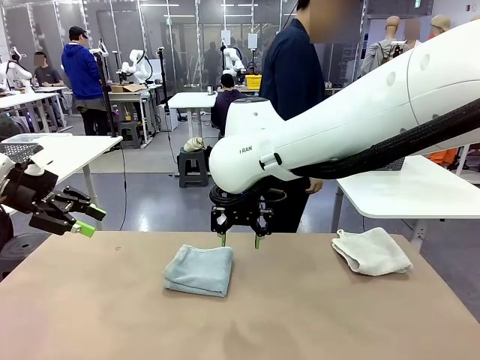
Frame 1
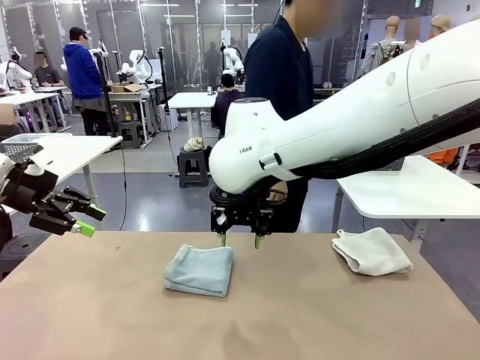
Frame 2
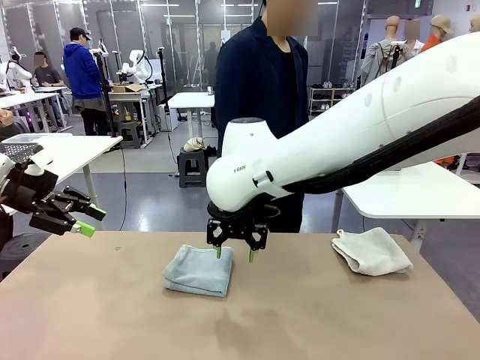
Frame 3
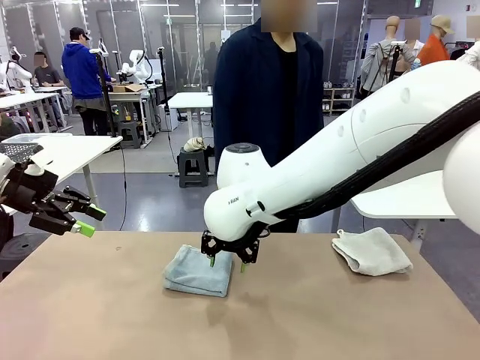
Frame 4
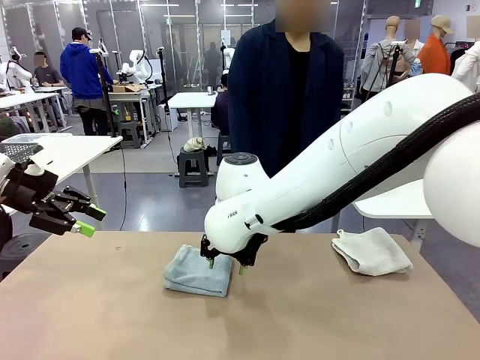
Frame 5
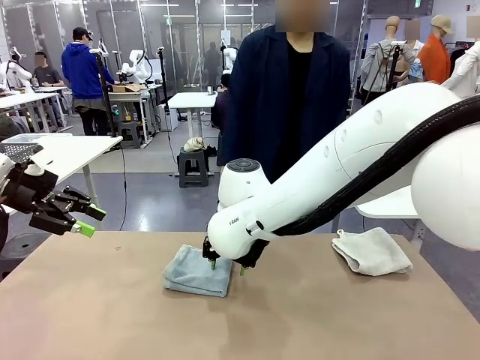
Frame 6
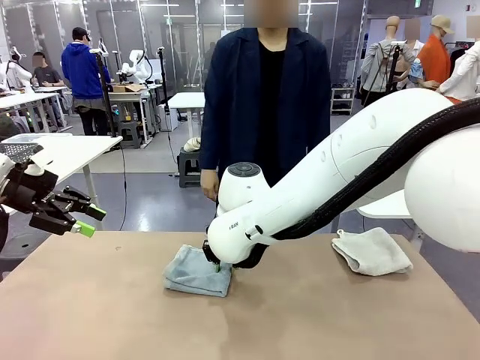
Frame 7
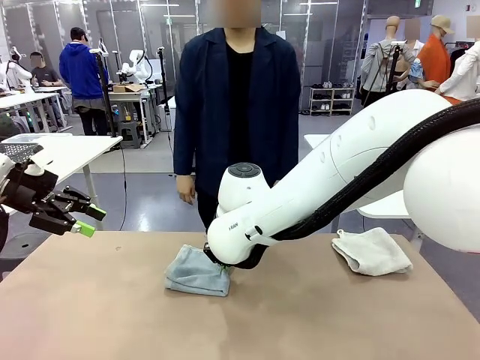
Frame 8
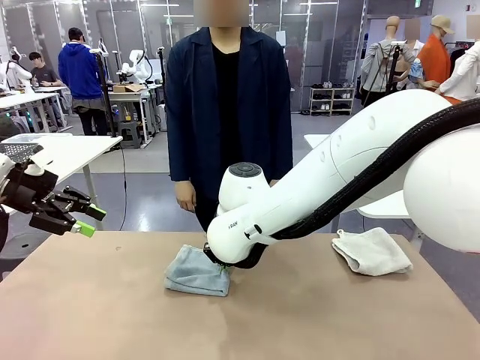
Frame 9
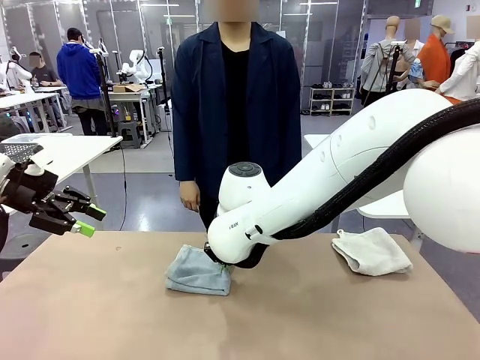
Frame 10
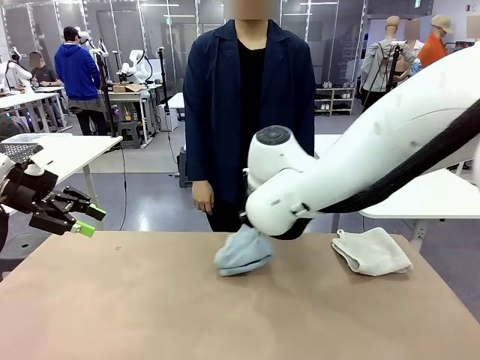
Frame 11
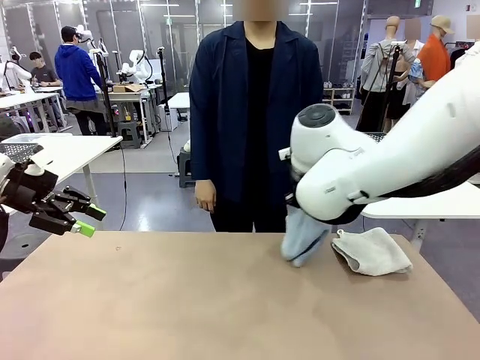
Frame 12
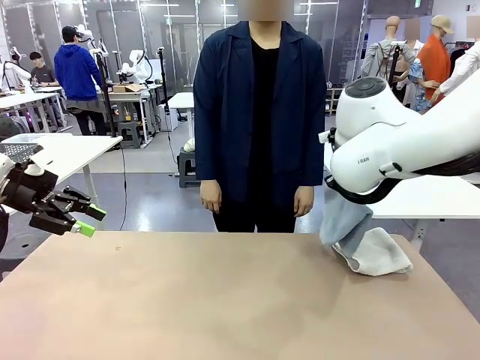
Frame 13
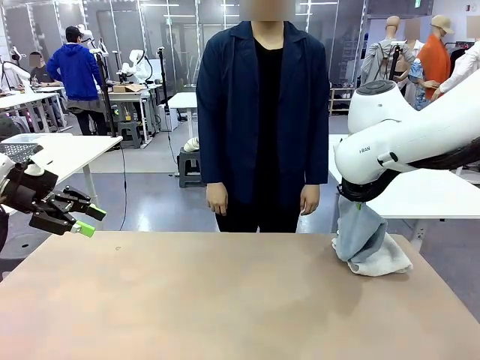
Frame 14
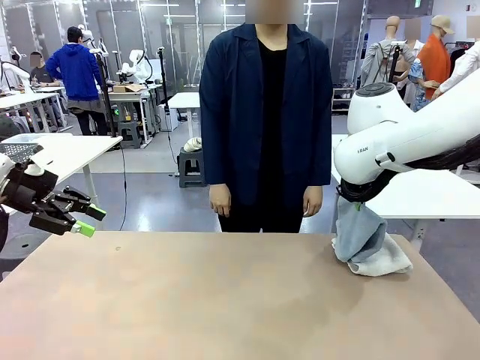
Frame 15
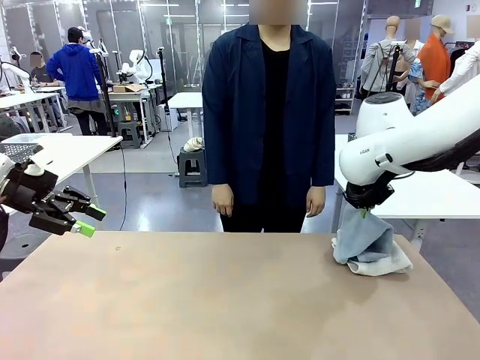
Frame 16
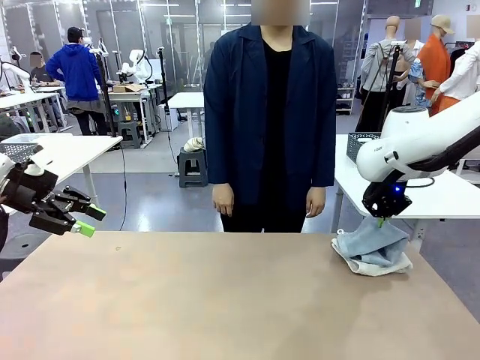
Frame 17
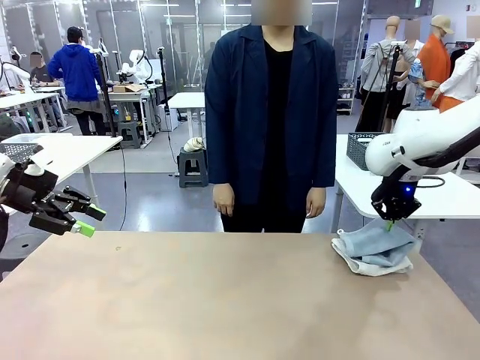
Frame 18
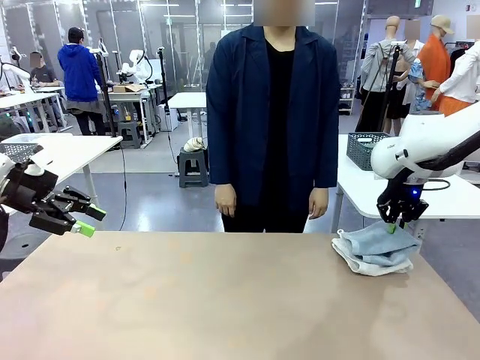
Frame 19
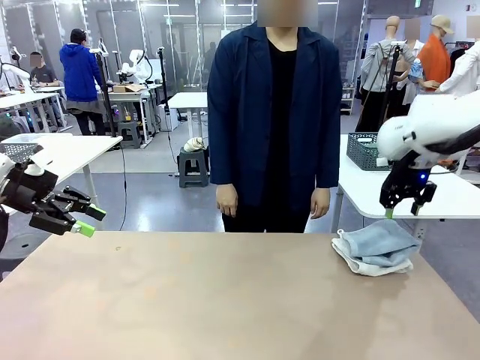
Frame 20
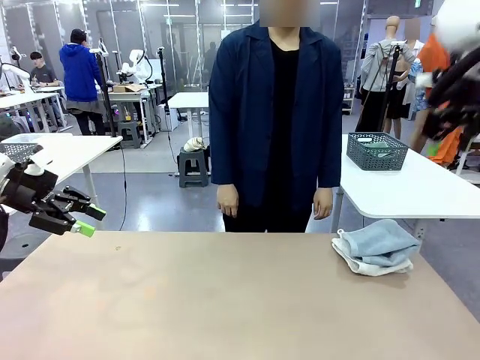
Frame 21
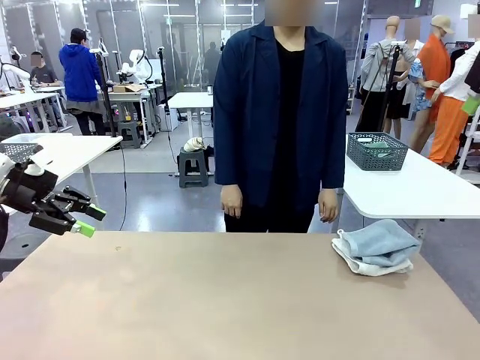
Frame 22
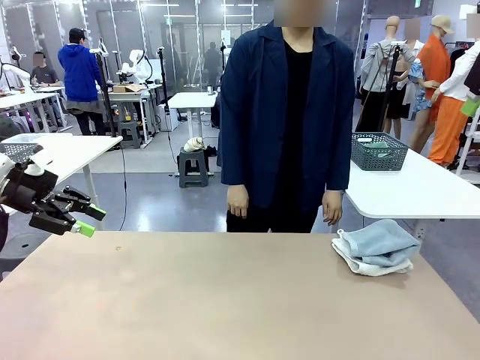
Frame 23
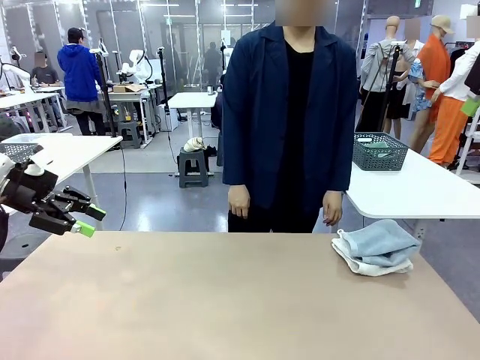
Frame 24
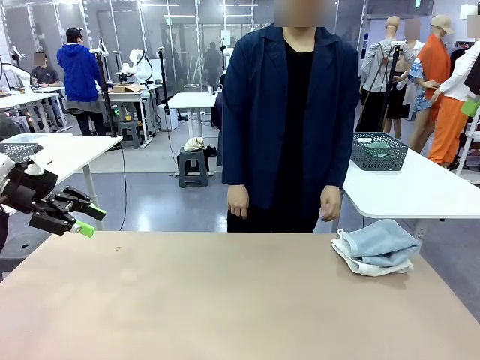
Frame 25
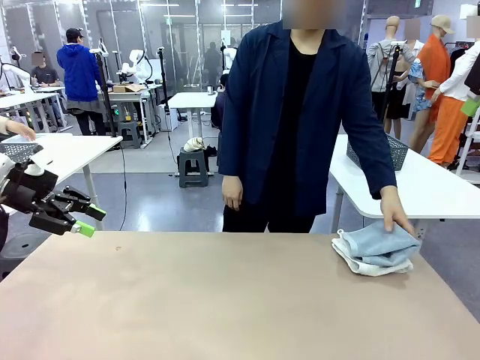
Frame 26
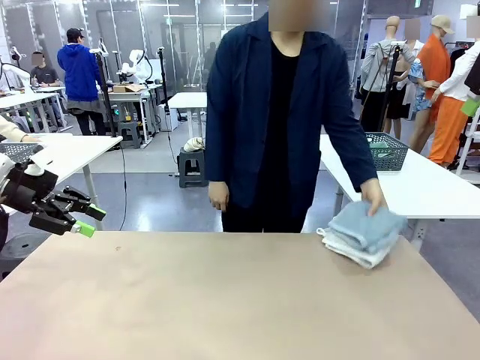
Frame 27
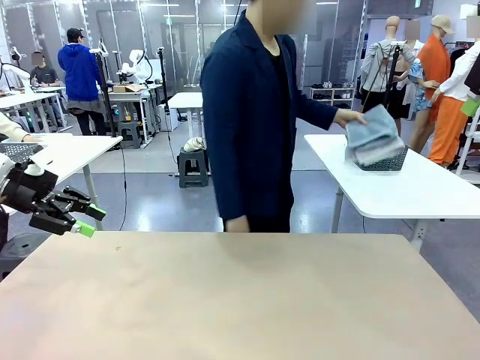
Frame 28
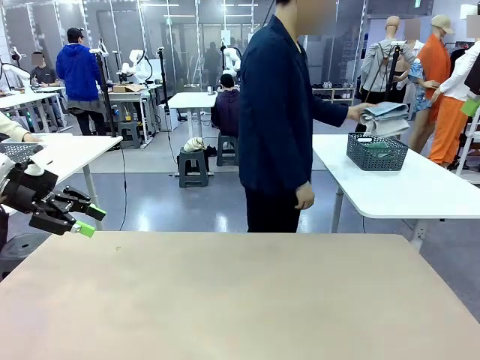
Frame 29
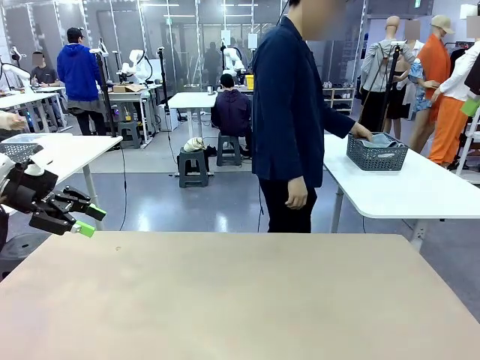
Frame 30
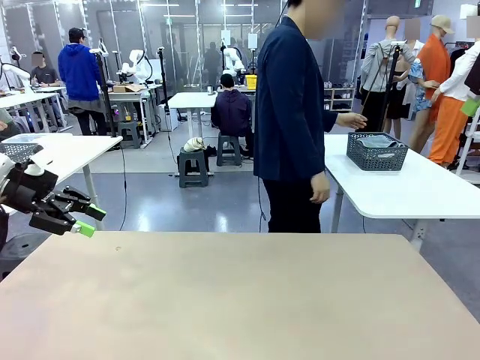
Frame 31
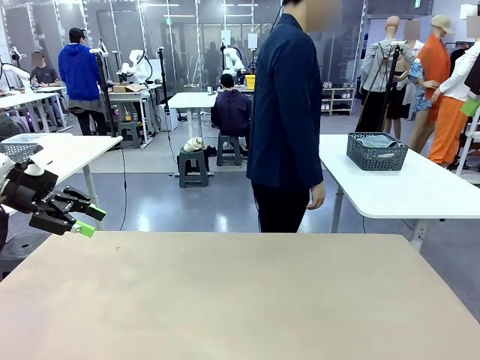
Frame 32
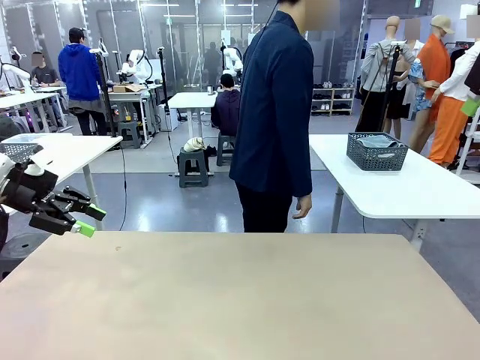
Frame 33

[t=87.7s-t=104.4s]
Task: Fold the towels and place them in the basket.
Robot: Stack the folded Towel with hook on the right side of the table.
Person: Pick up the stack of towels from the robot table and place it into the basket.

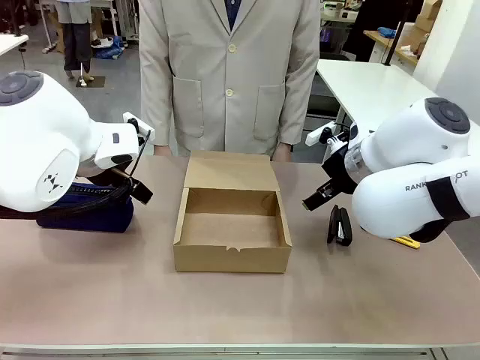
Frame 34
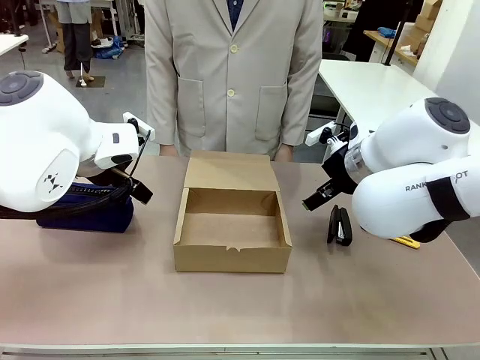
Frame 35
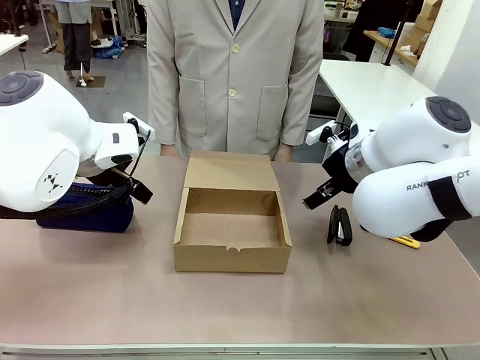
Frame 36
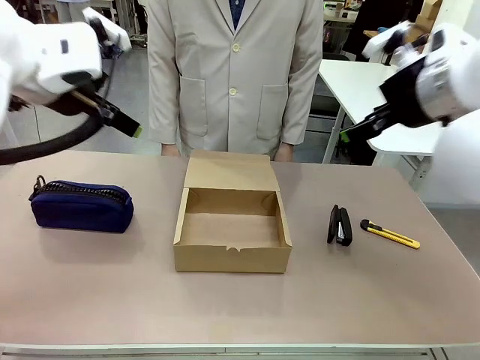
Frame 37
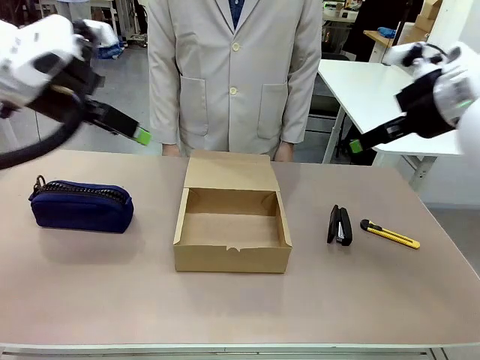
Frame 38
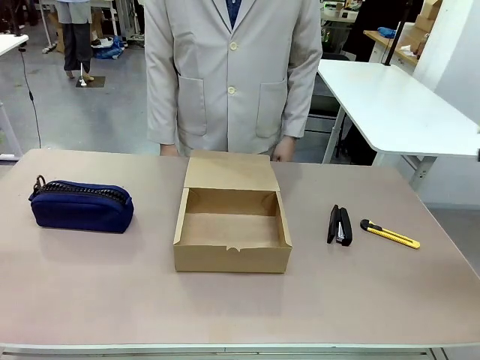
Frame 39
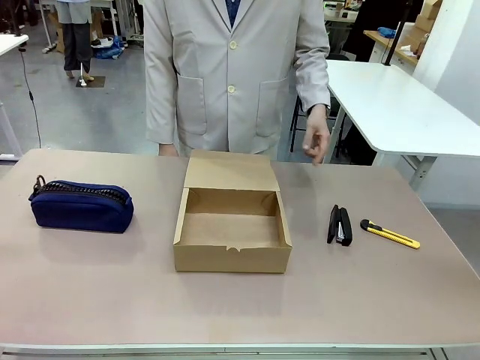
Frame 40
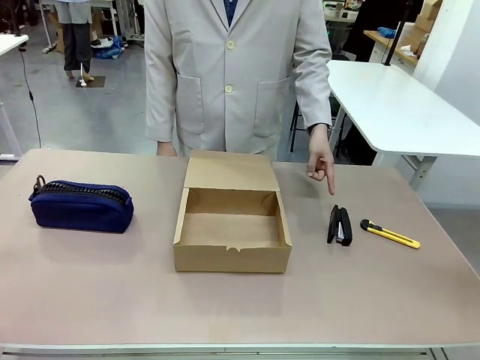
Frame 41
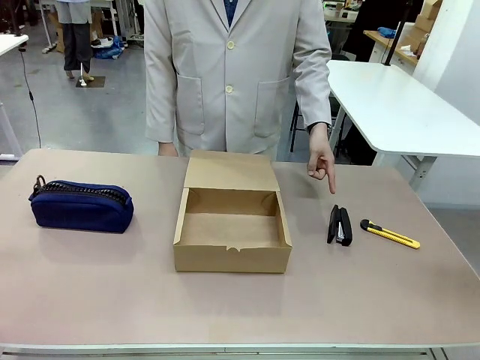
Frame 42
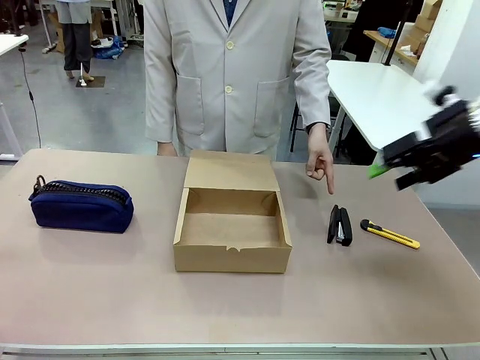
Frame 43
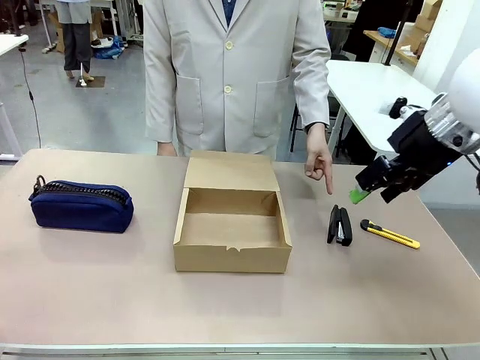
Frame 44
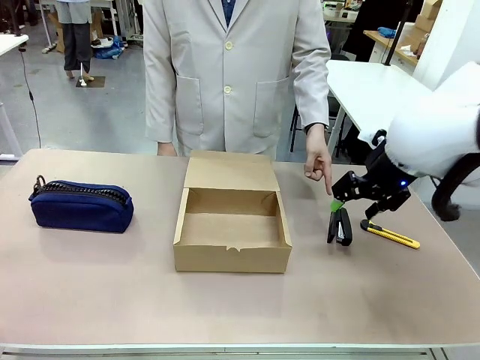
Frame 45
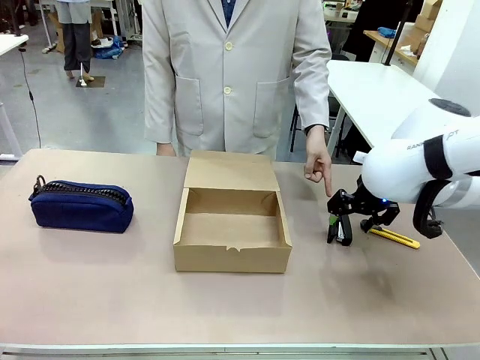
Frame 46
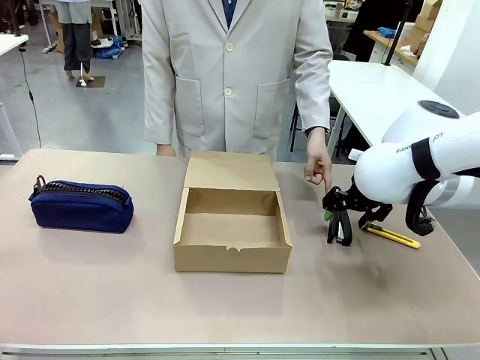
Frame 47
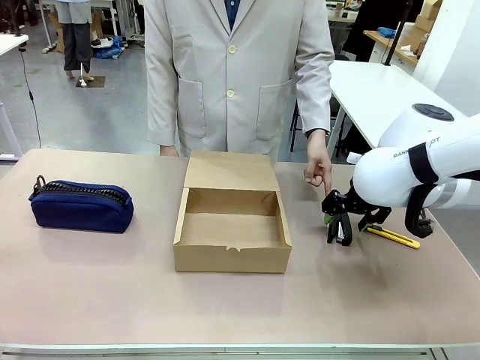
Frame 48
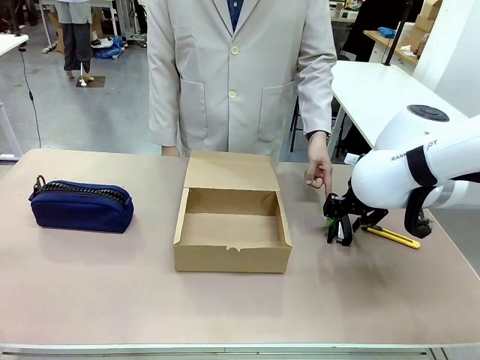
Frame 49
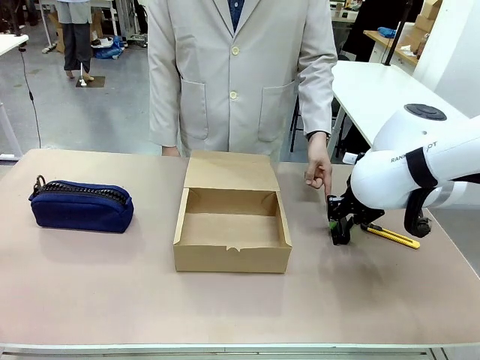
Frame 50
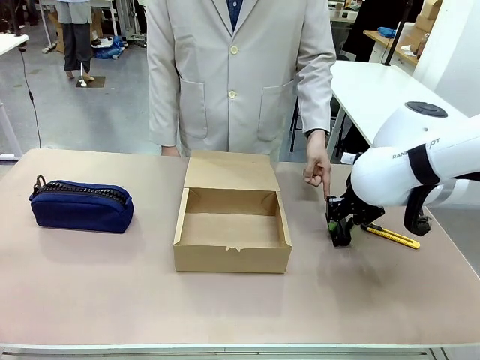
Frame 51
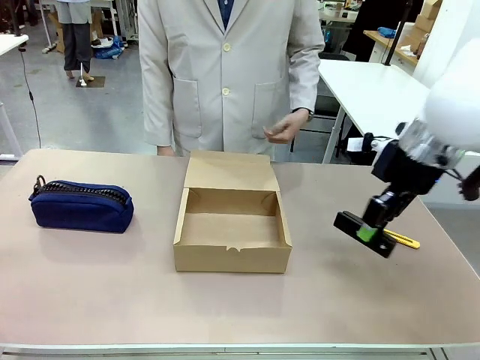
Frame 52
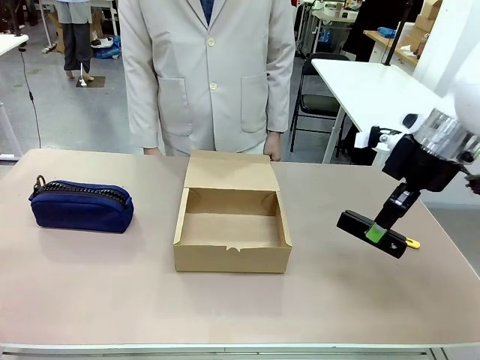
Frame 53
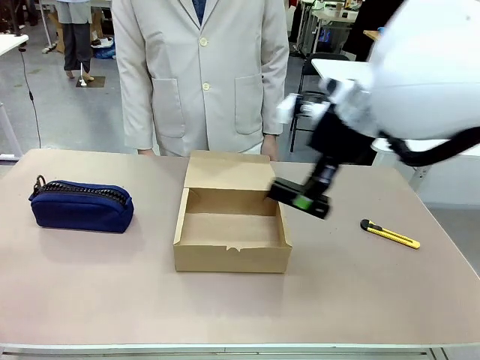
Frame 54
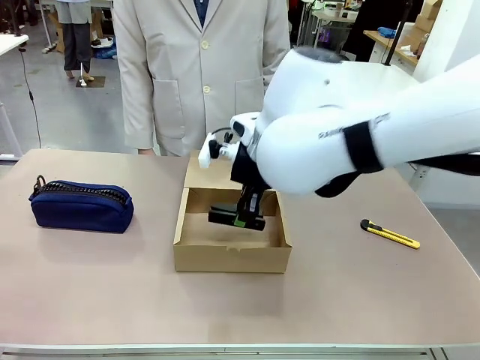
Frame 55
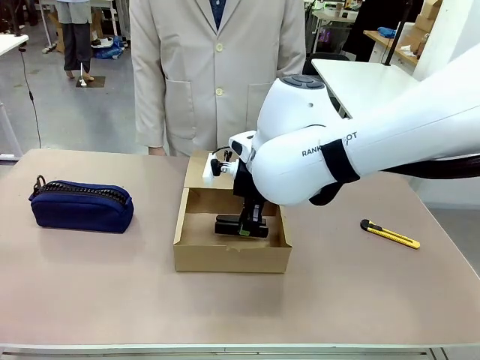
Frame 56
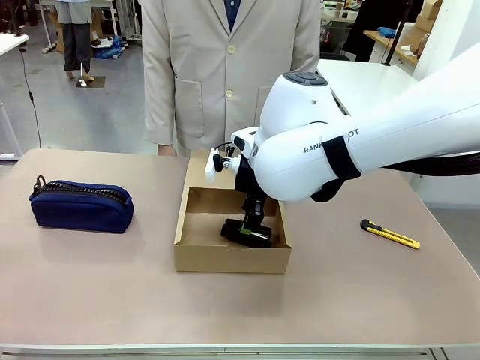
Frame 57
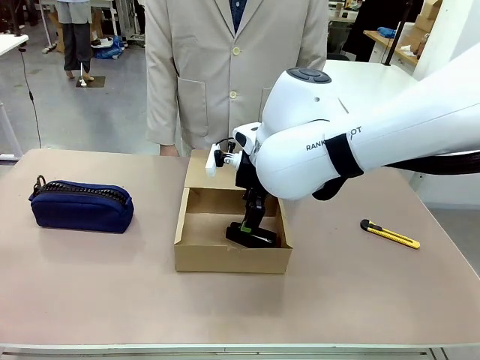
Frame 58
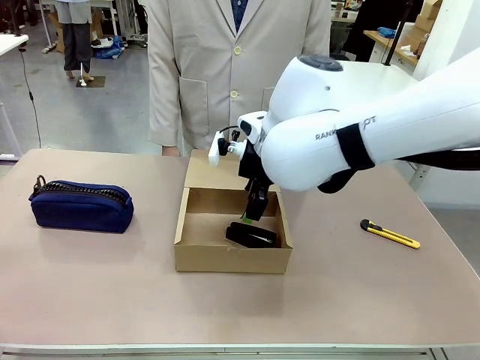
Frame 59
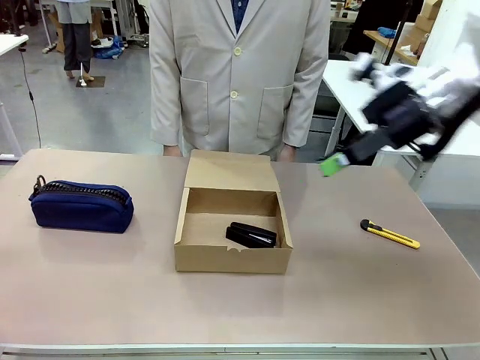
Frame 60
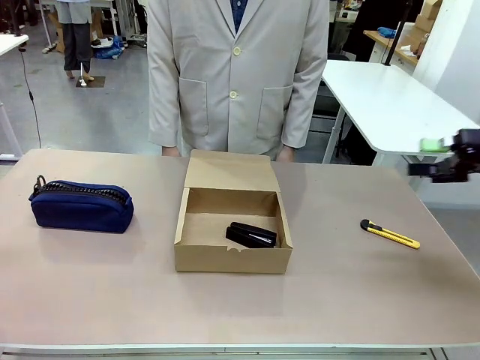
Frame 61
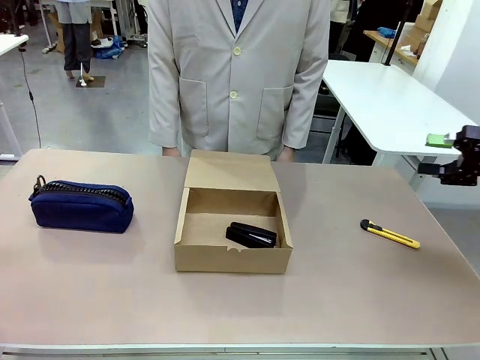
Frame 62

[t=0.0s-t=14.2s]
Task: Pack the item into the box.
Robot: Pick up the item indicated by the person and place it inside the Mailer Box.
Person: Point at one item on the table (excluding the box).
